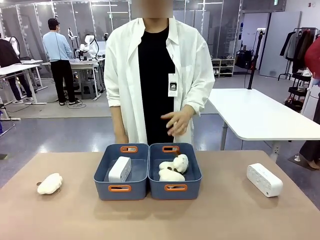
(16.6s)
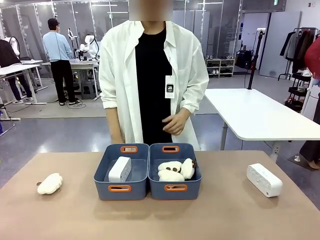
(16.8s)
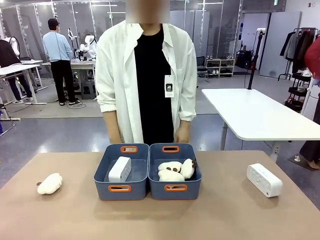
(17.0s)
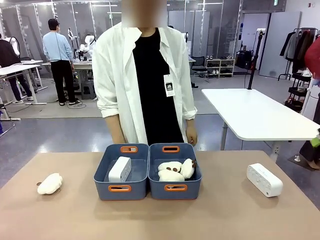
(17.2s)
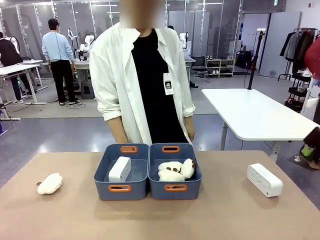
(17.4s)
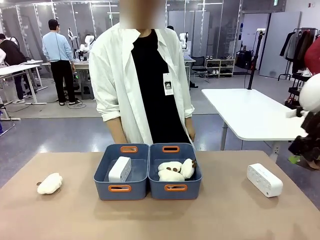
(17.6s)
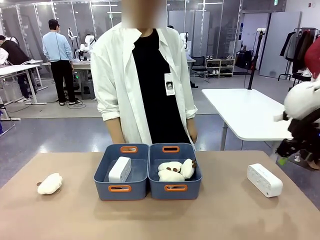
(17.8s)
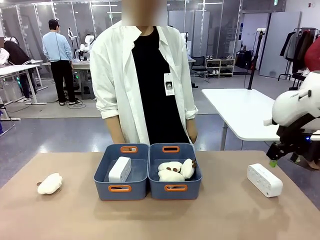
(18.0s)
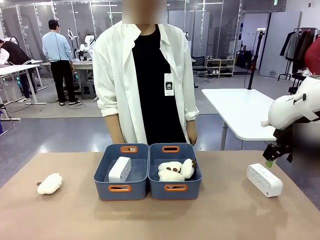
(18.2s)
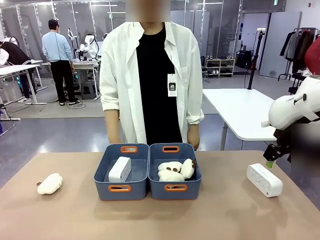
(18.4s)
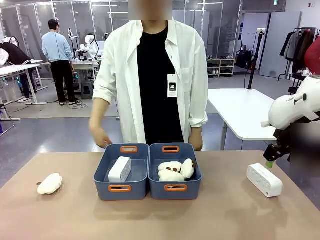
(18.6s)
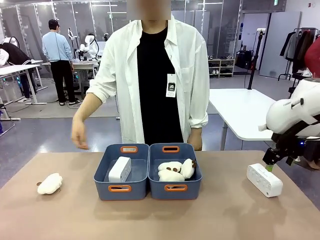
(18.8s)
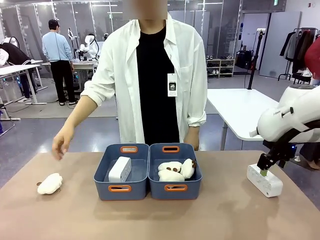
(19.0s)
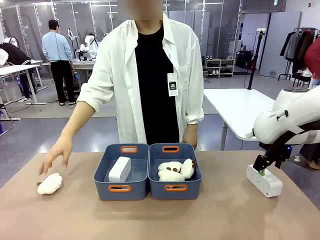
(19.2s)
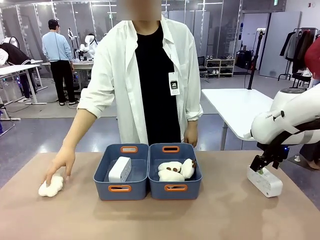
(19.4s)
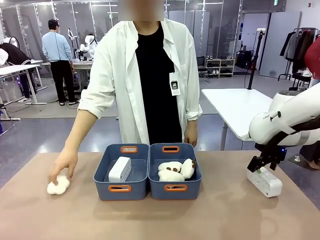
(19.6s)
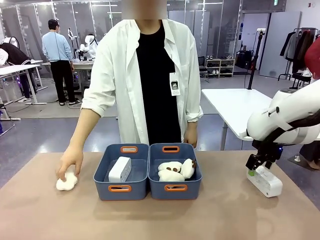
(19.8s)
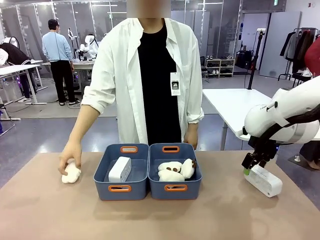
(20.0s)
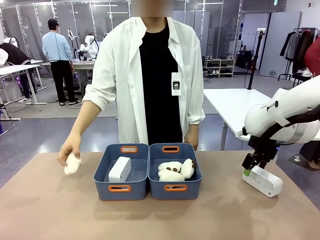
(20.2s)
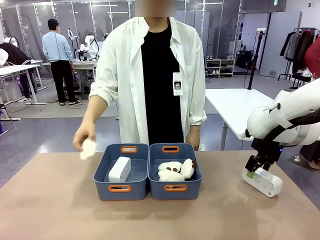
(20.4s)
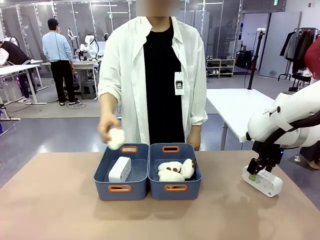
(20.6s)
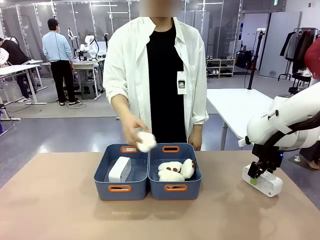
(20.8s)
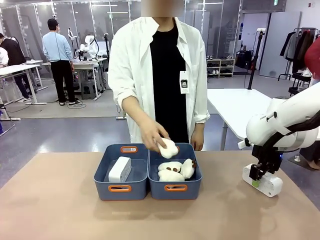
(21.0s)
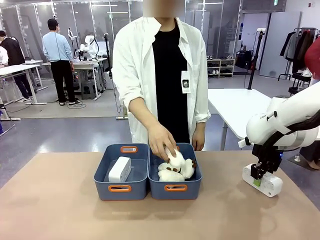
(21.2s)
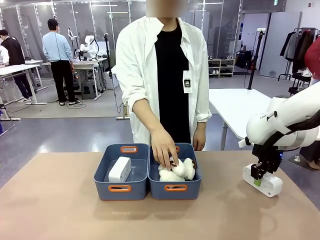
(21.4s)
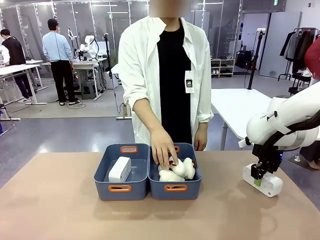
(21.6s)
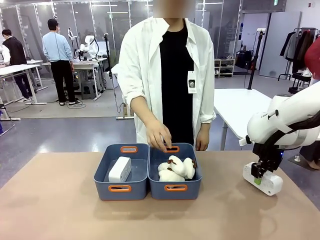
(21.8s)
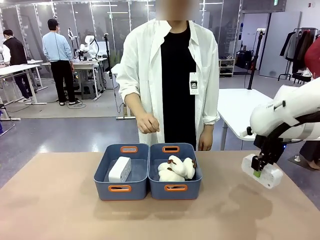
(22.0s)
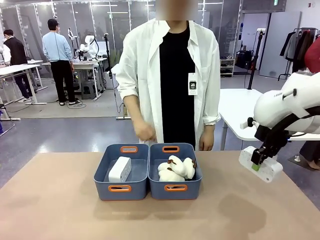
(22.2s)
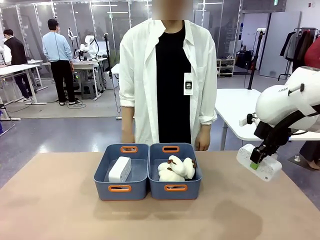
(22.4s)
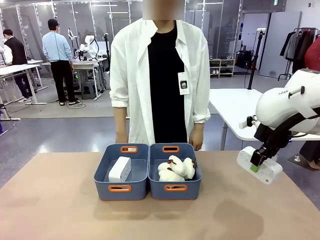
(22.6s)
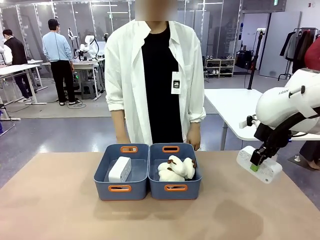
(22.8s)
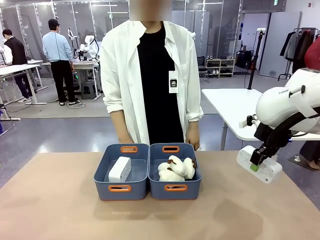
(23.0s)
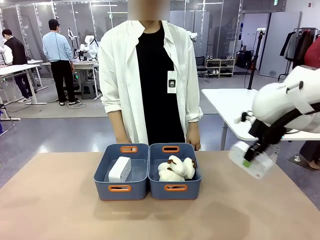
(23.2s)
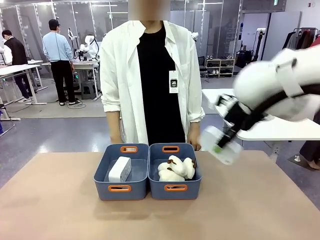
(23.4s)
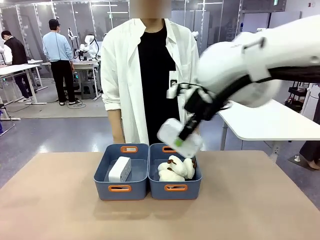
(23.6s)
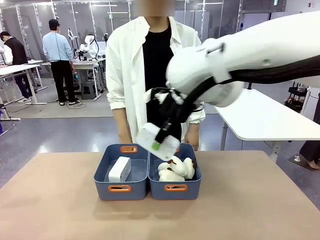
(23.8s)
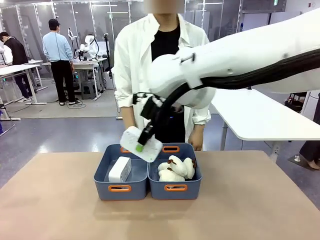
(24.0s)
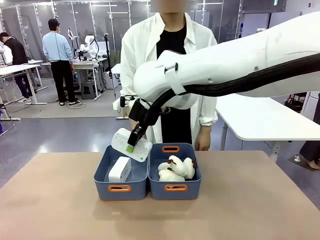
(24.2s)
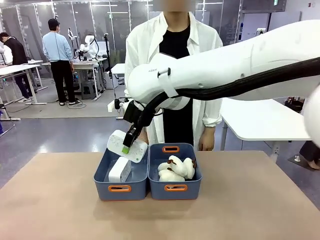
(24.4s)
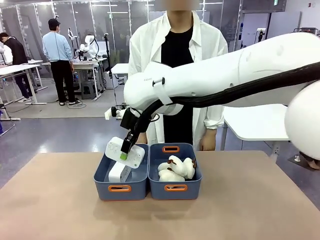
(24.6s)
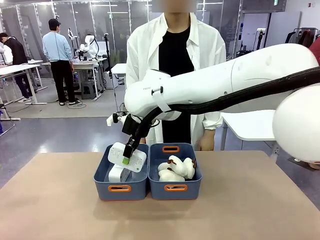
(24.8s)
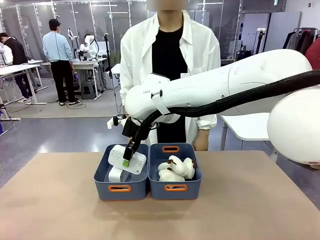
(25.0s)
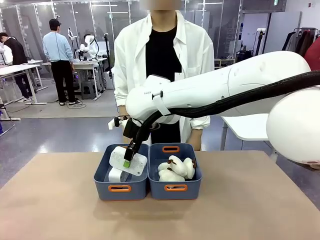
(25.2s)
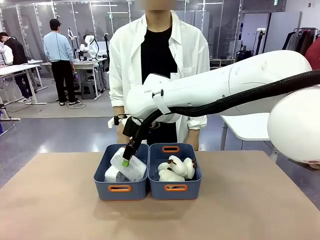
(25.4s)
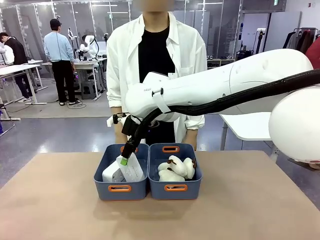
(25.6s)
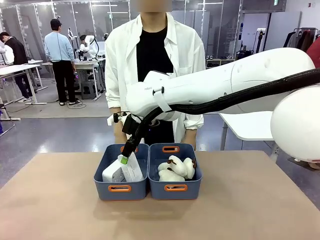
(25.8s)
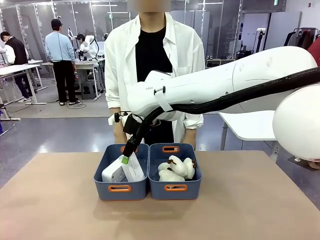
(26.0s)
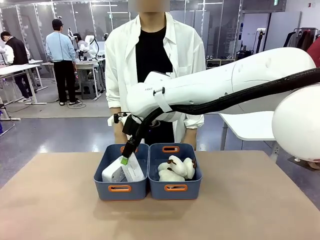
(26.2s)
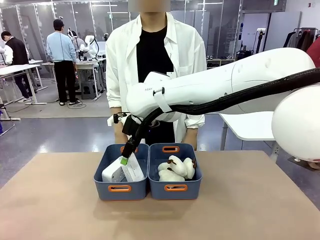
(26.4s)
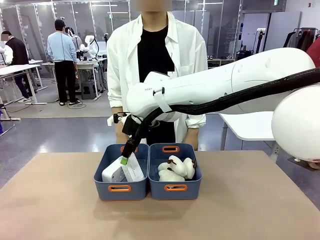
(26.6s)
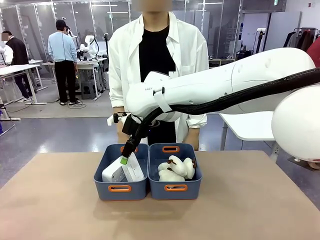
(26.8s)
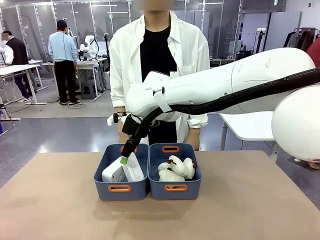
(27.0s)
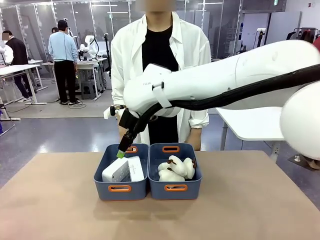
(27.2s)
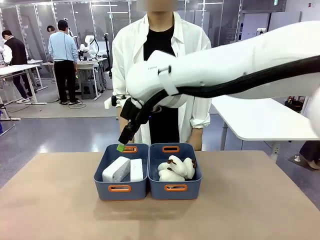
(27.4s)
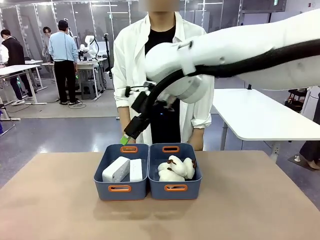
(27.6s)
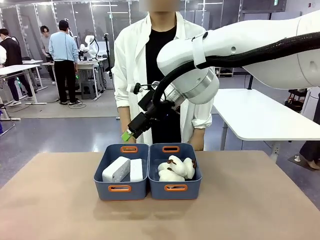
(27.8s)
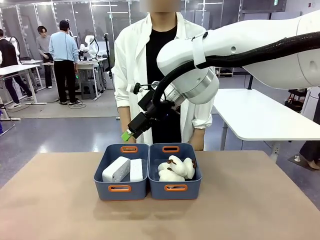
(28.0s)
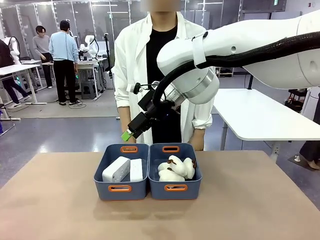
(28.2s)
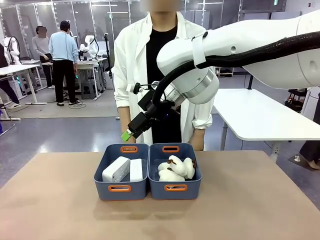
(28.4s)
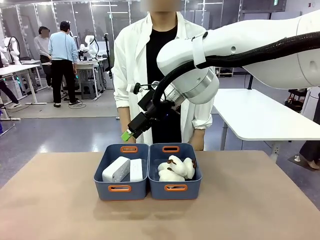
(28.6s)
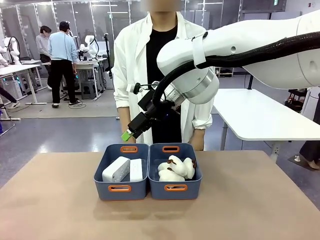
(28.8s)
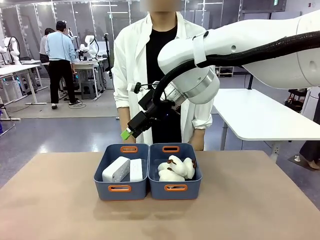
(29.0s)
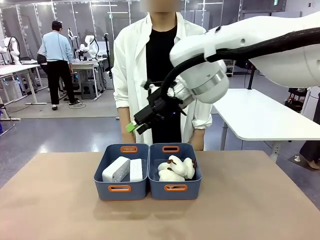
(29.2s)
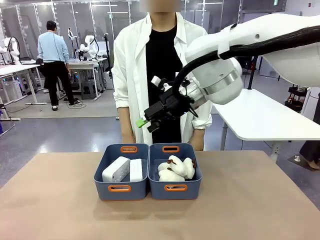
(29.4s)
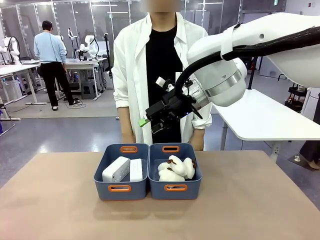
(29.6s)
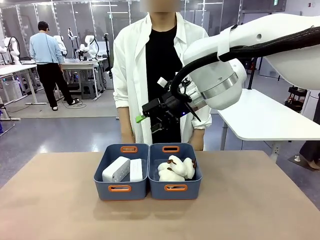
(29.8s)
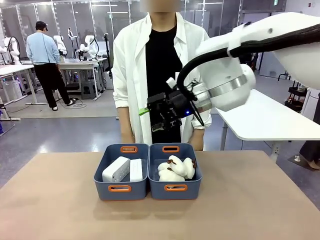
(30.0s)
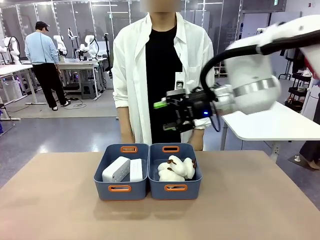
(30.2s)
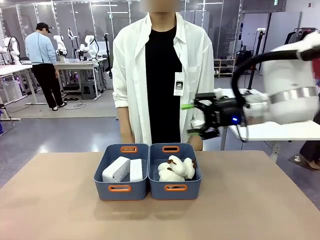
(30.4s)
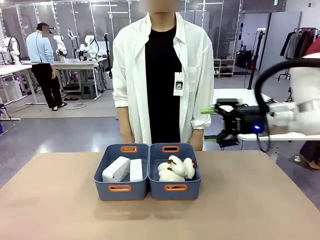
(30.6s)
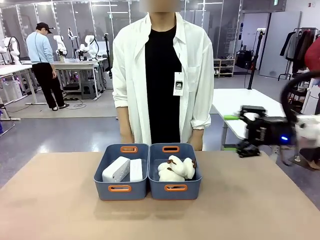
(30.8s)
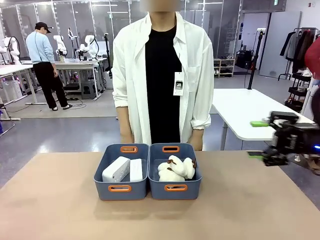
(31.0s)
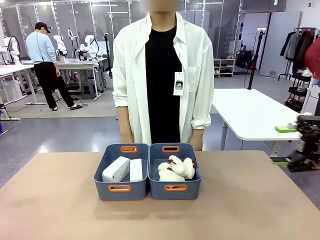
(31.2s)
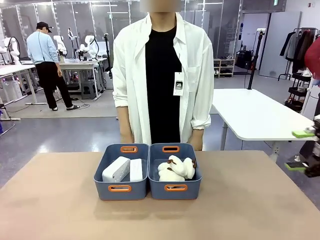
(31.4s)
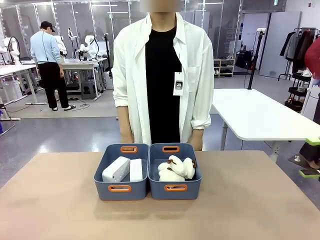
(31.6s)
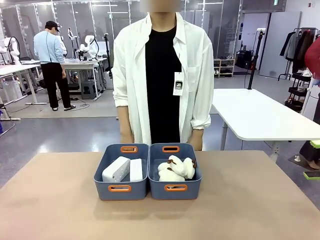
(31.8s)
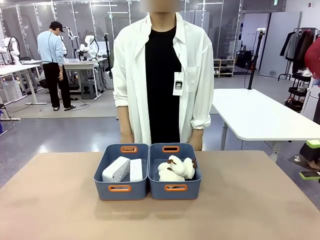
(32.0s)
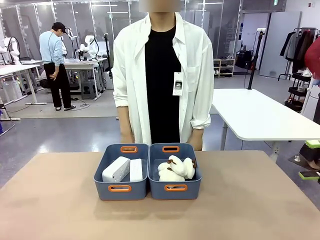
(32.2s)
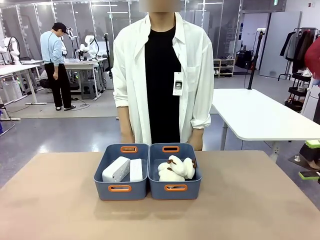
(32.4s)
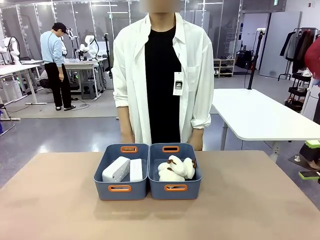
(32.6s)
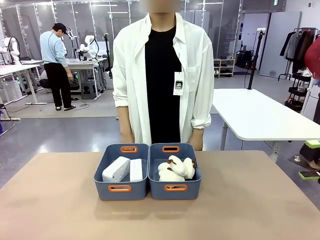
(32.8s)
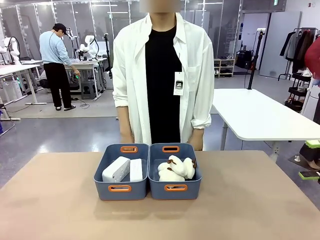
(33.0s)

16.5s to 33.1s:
Task: Sort the digital clocks into the basket.
Robot: Pick up the Digital clock from the table and place it into the empty Plastic storage basket.
Person: Pick up a plush toy from the table and place it in the plastic storage basket containing the plush toy.

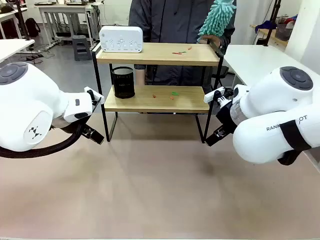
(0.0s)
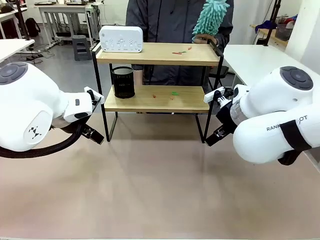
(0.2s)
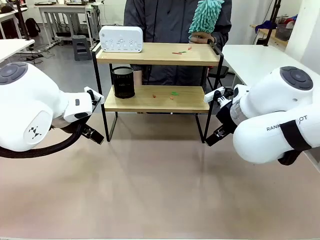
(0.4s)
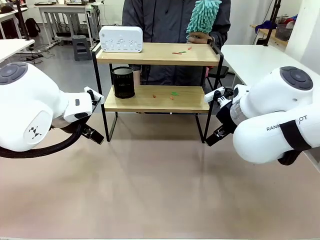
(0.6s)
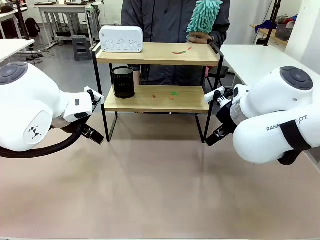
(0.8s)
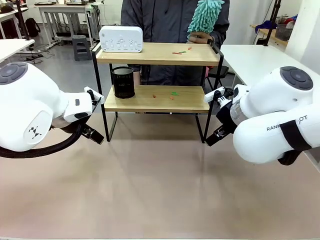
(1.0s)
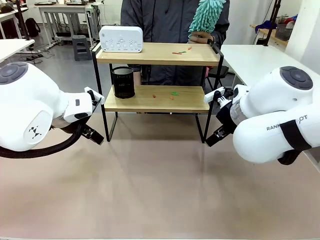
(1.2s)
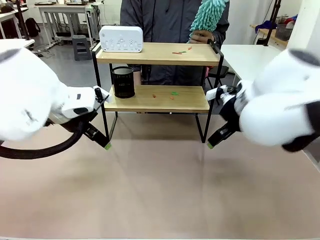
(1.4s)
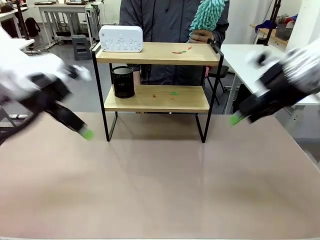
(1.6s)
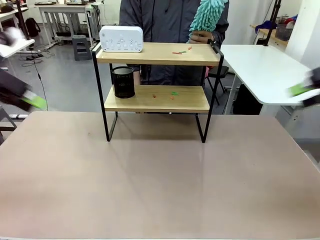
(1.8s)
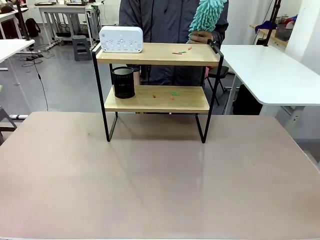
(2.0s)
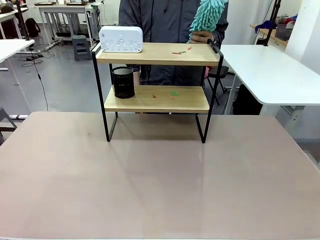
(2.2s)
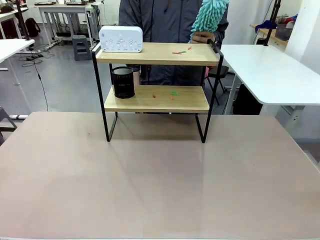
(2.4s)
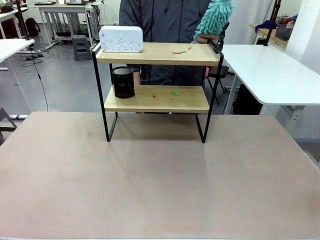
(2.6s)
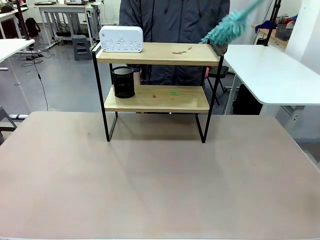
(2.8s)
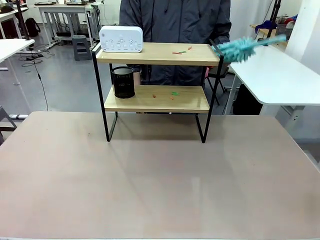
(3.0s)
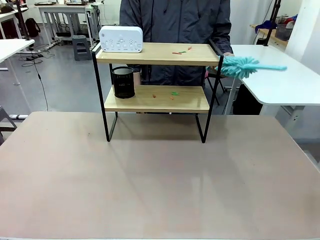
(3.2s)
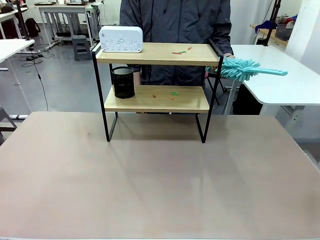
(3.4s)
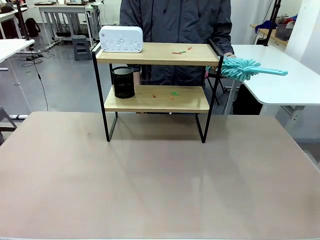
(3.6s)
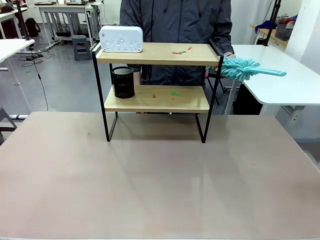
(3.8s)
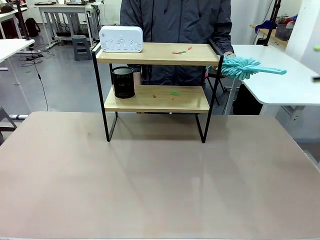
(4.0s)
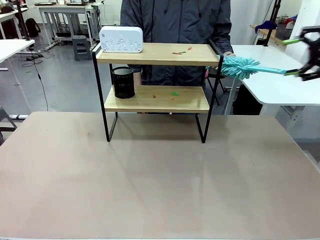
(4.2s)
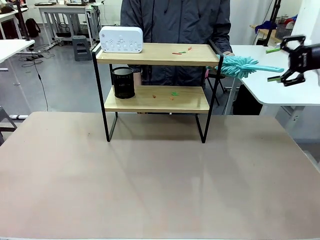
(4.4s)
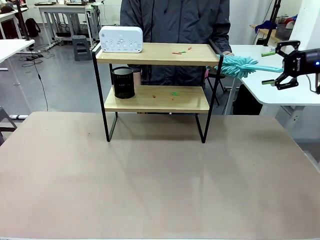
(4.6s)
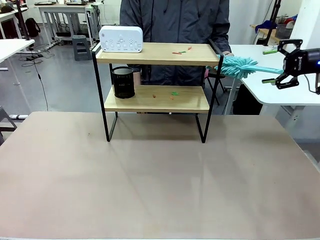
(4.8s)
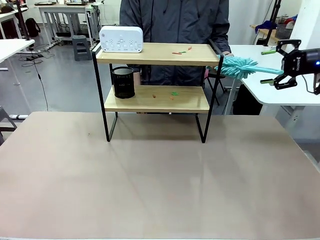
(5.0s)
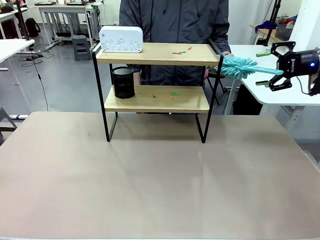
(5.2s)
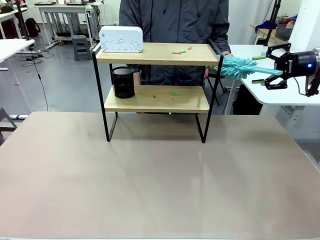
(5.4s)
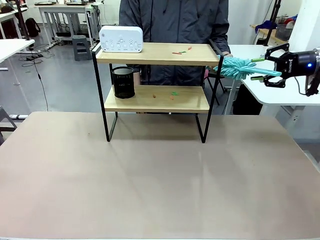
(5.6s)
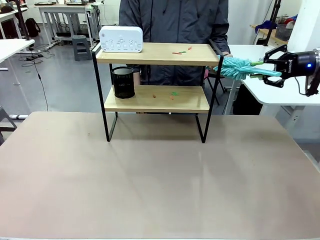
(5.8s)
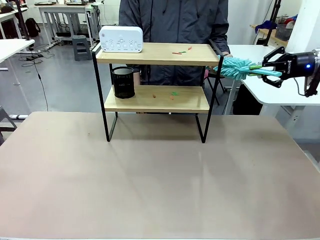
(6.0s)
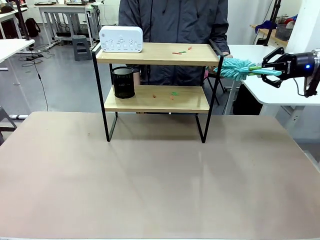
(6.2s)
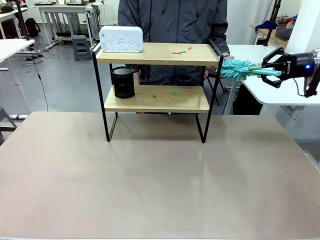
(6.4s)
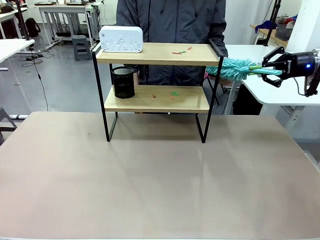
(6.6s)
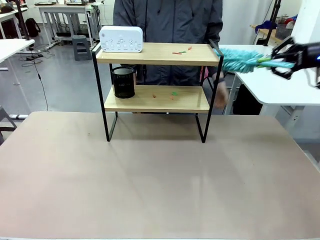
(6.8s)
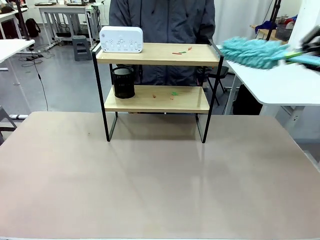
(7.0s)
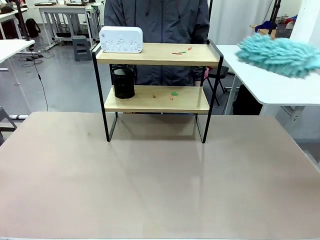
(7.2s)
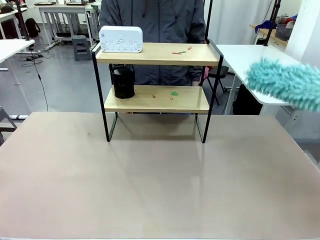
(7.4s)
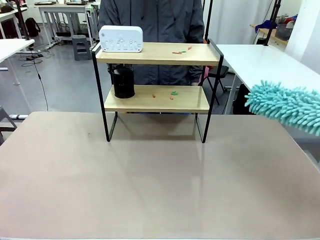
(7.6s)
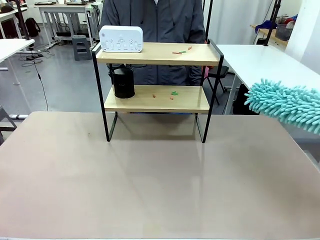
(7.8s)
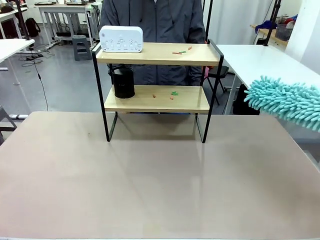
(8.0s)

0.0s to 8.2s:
Task: Clean the shelf.
Robot: Pick up the Duster from the human.
Person: Hand the Duster to the robot.
